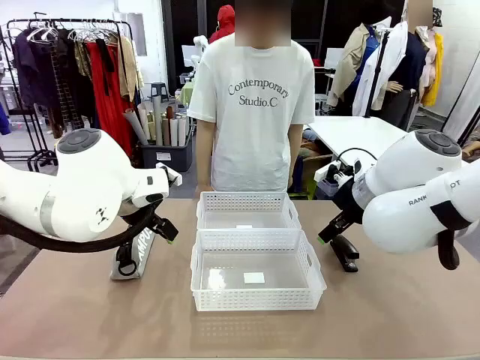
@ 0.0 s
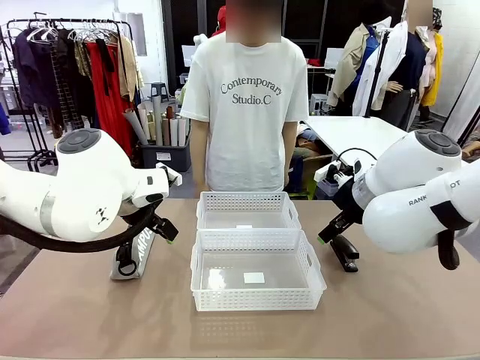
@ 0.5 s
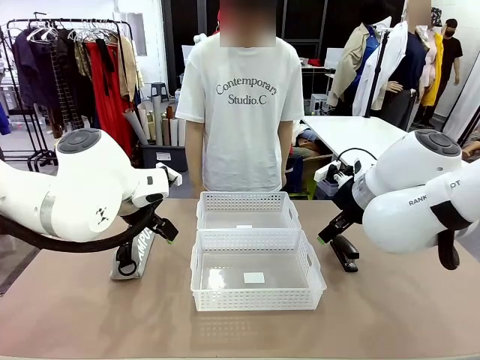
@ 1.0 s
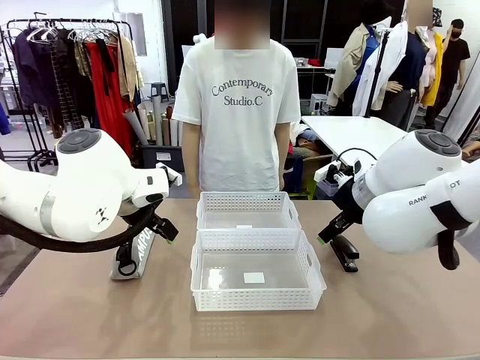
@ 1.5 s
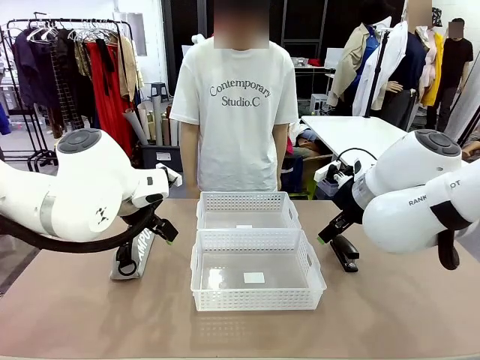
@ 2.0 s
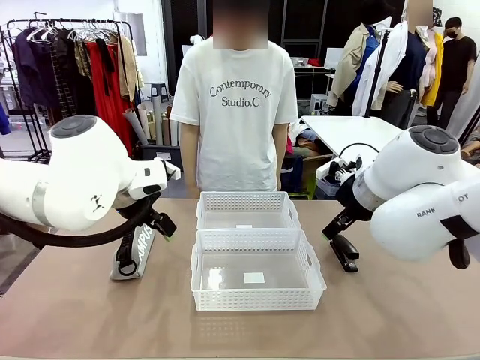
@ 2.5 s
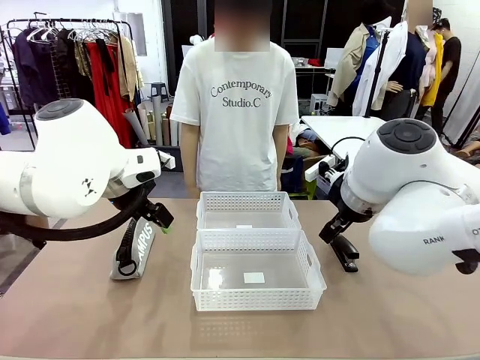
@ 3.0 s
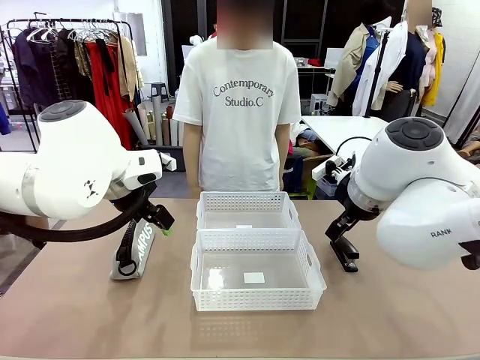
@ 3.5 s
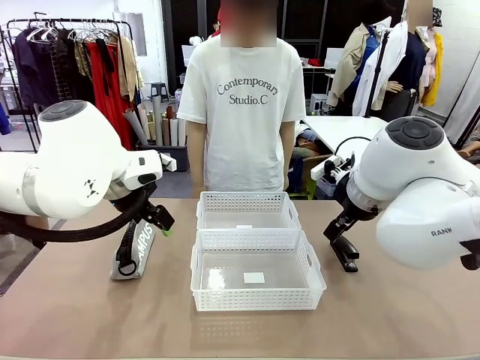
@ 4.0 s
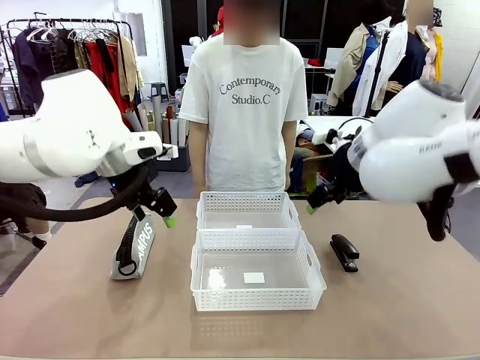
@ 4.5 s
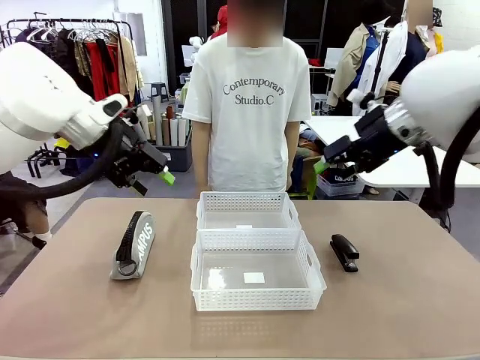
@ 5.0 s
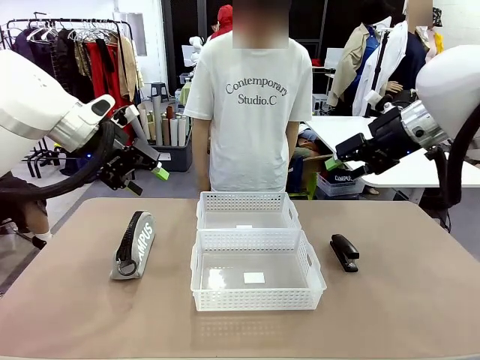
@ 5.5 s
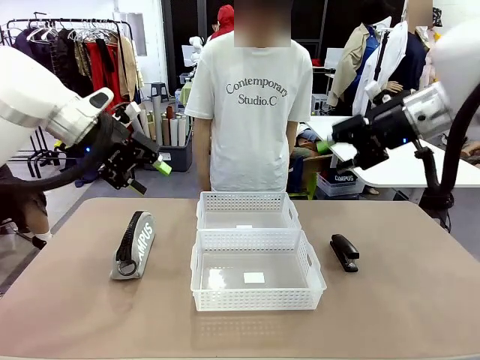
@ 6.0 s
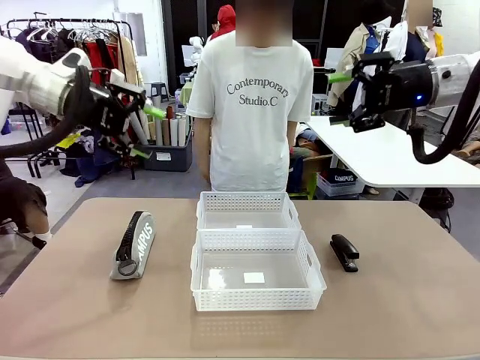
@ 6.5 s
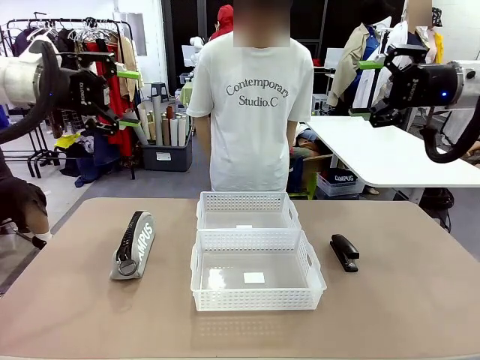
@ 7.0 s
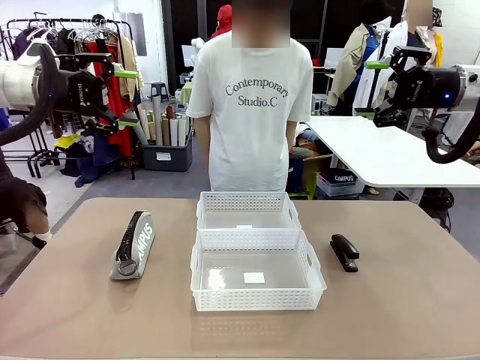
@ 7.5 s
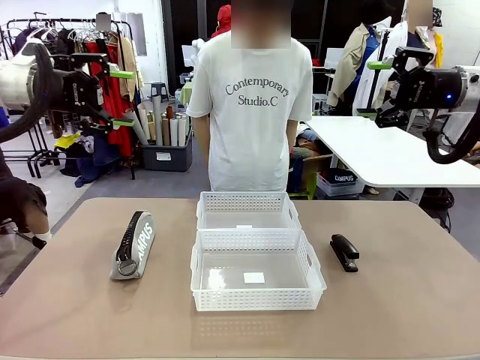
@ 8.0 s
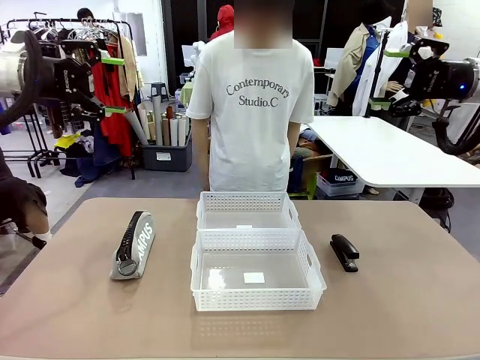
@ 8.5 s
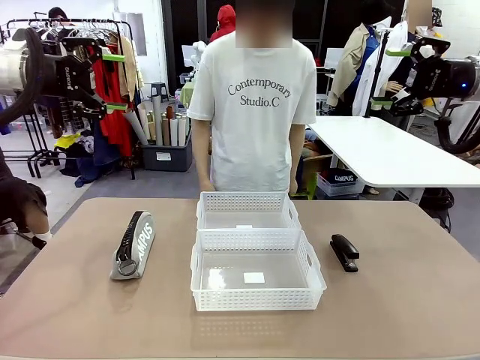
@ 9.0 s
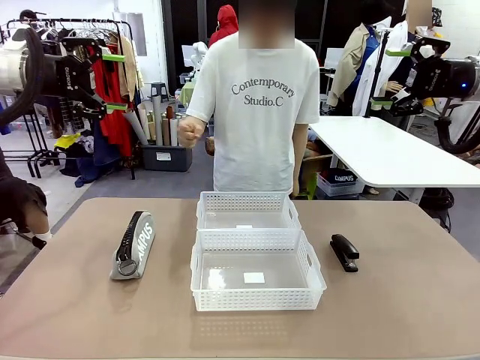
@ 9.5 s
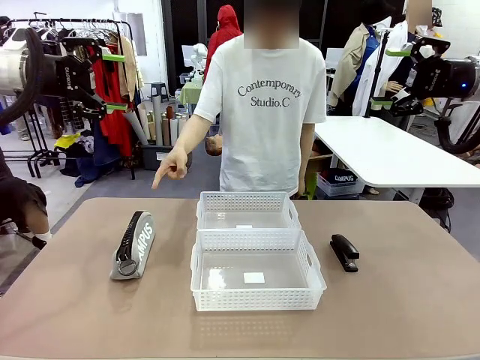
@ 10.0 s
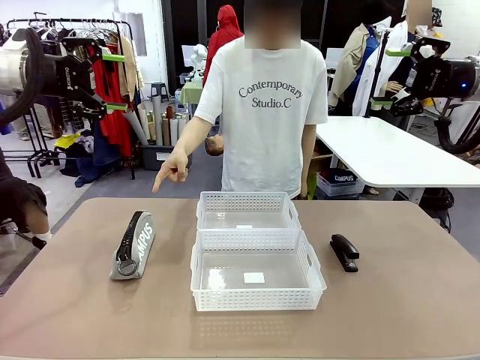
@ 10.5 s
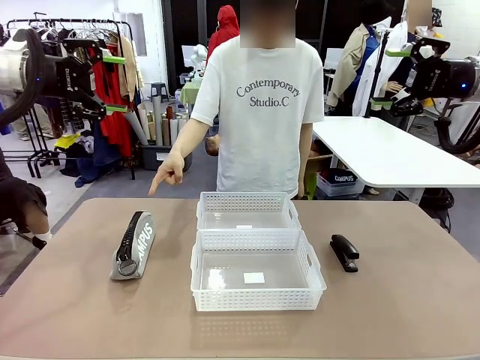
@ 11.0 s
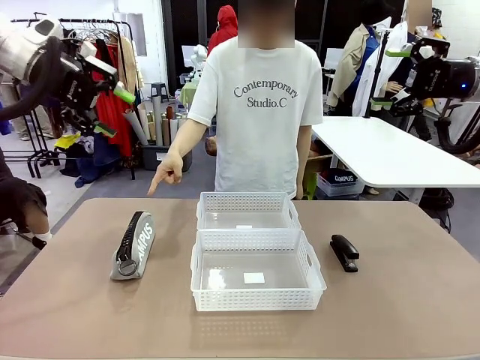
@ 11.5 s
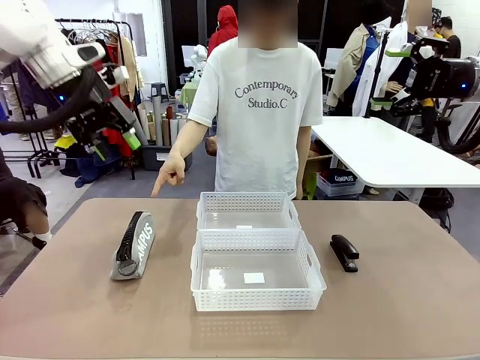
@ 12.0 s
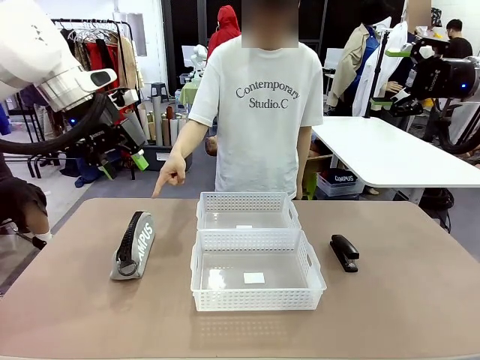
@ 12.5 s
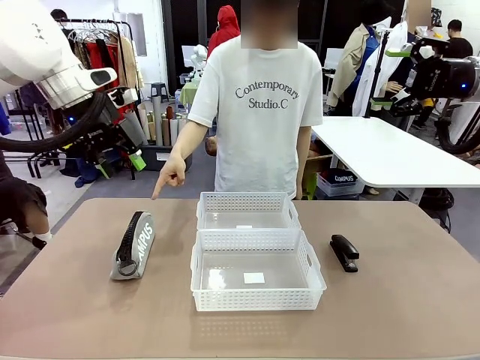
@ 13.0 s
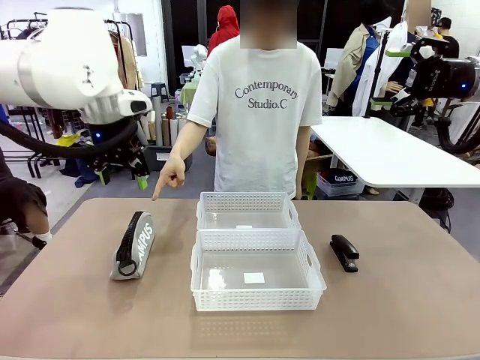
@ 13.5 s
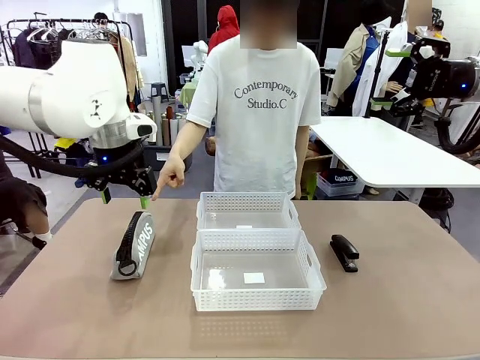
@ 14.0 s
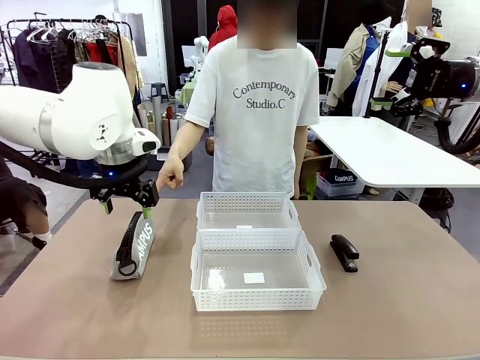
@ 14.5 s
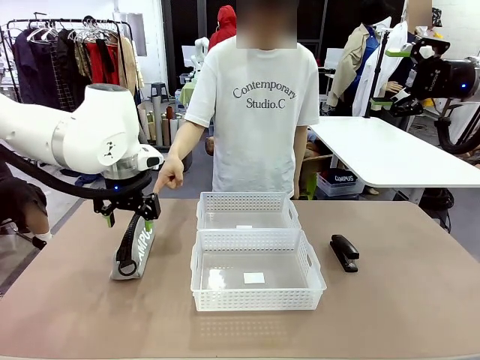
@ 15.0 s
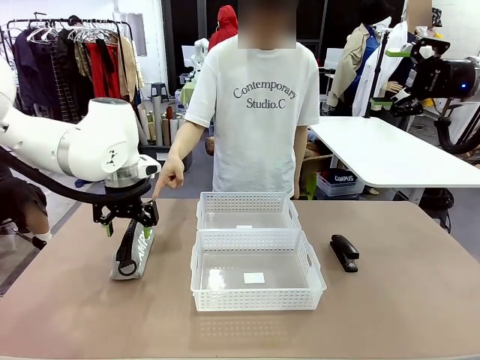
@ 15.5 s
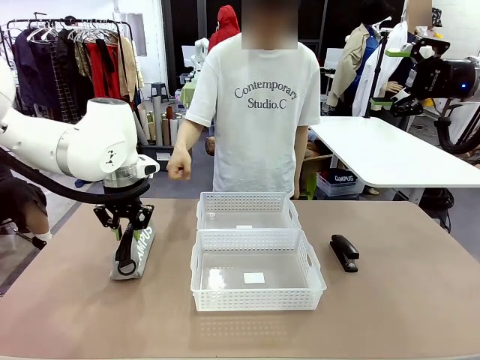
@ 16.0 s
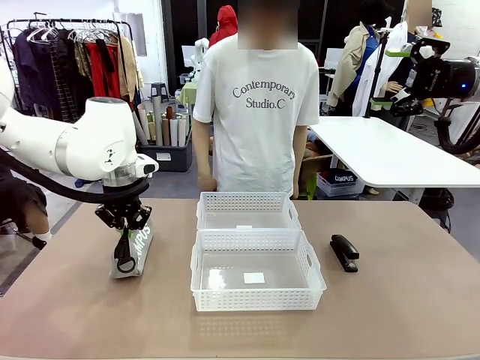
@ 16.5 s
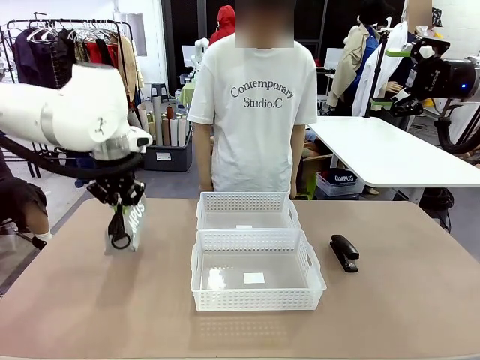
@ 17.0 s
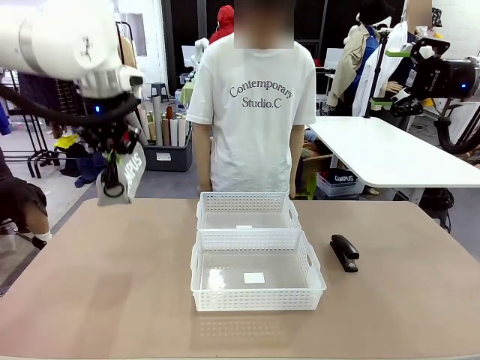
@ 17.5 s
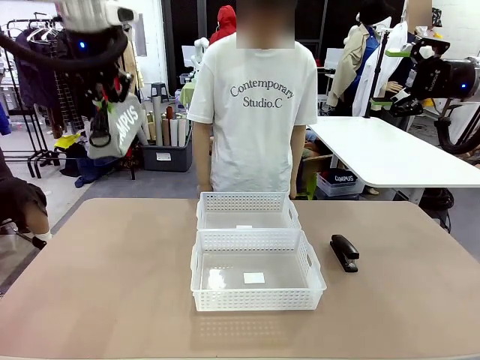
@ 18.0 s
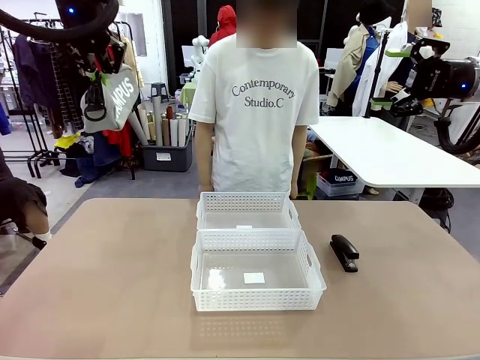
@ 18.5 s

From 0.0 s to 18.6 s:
Task: Distribute items into two baskets.
Robot: Pick up the Pencil pouch that the person points to.
Person: Points to the pencil case. Points between the two organizing baskets and instructs the robot to move the pencil case.

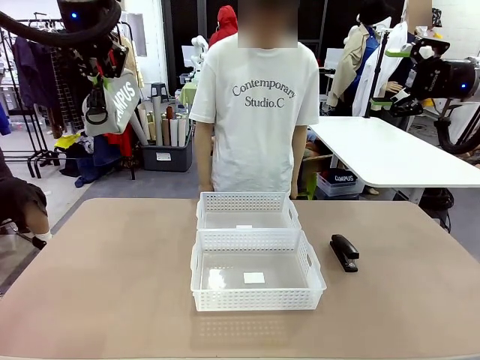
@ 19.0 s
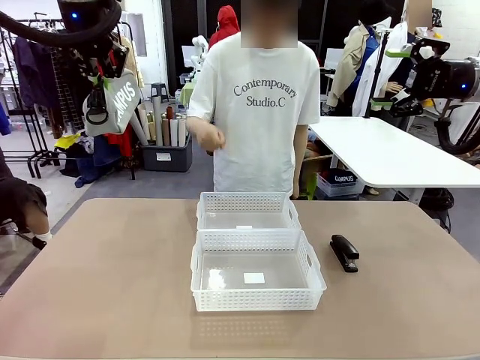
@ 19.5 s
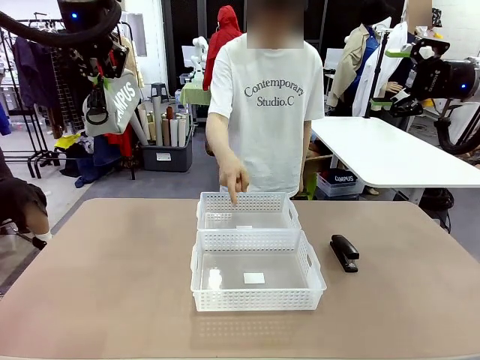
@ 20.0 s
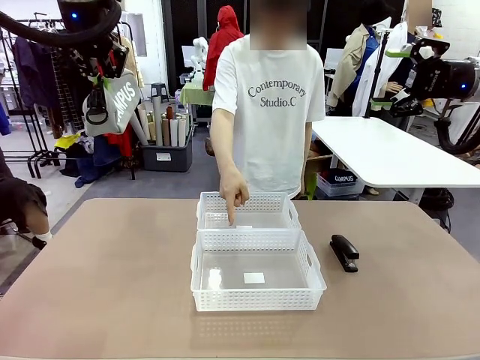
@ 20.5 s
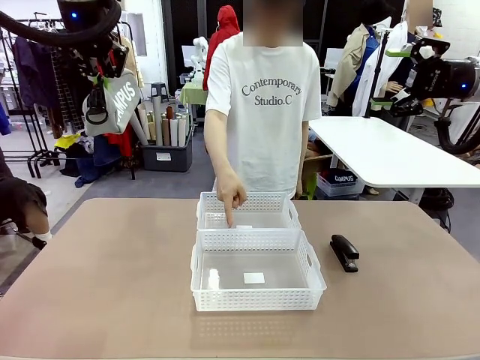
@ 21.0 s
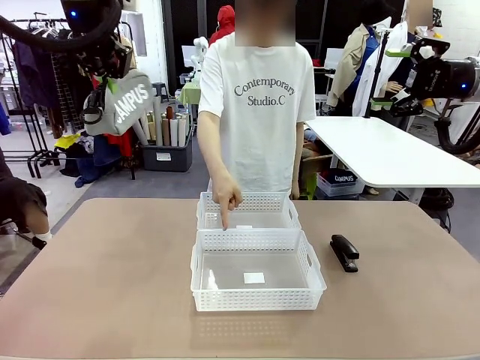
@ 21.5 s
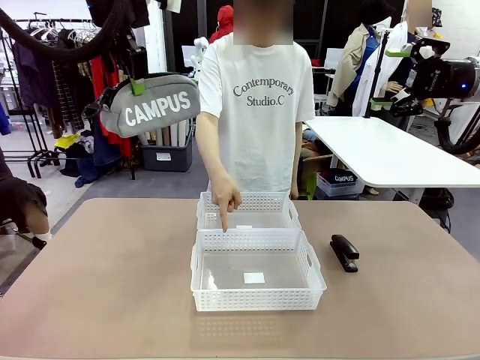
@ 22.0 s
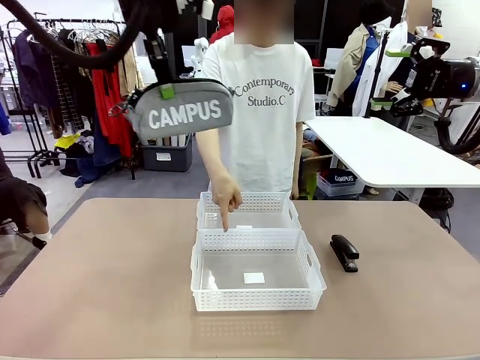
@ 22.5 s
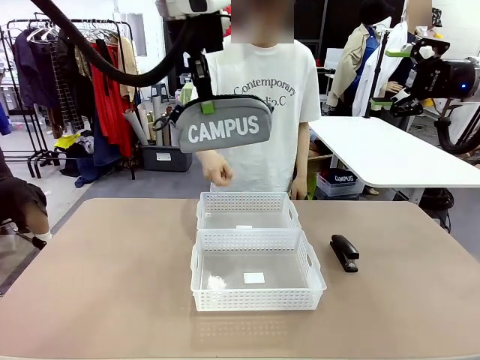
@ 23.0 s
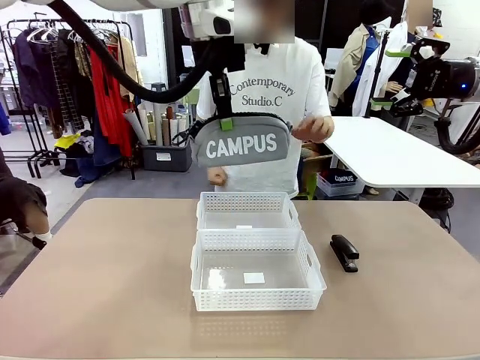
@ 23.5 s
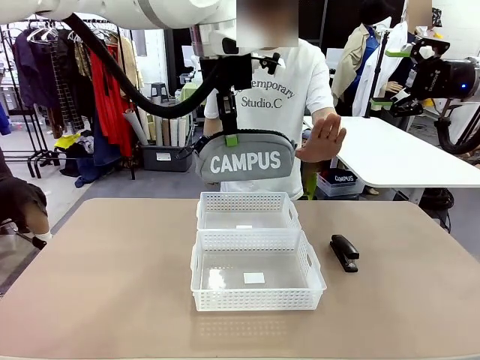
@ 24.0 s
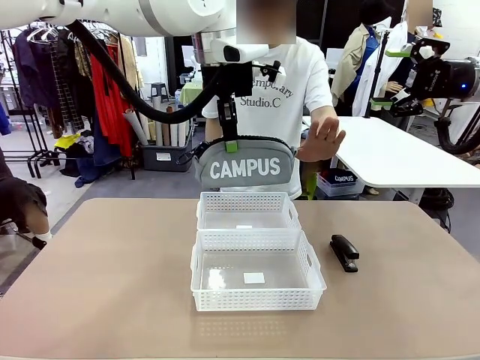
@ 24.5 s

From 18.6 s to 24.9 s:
Robot: Move the picked Pencil pouch towards the Organizing basket indicated by the person, stopping as directed.
Person: Sends a stop gesture before the robot places the pencil case into the basket.
